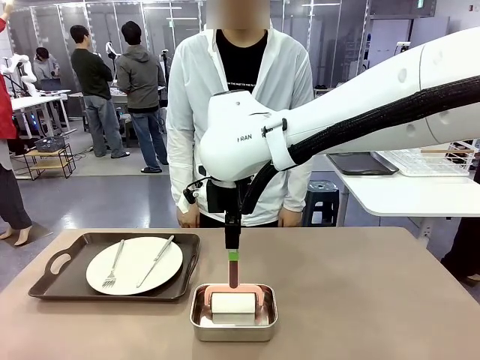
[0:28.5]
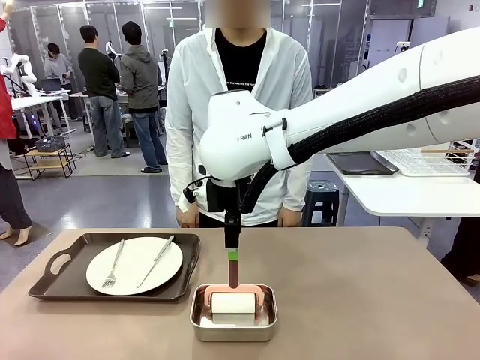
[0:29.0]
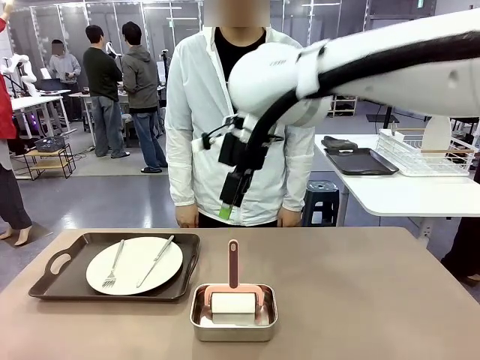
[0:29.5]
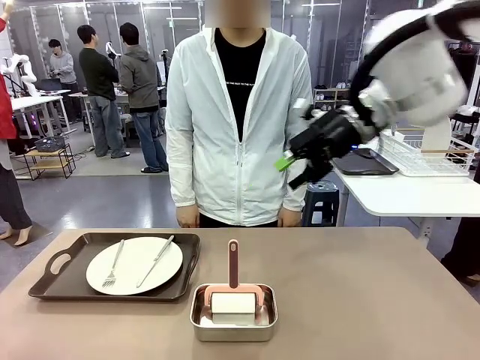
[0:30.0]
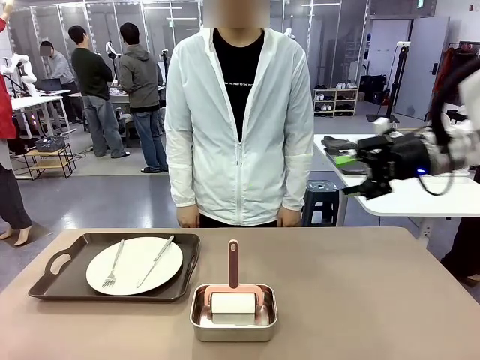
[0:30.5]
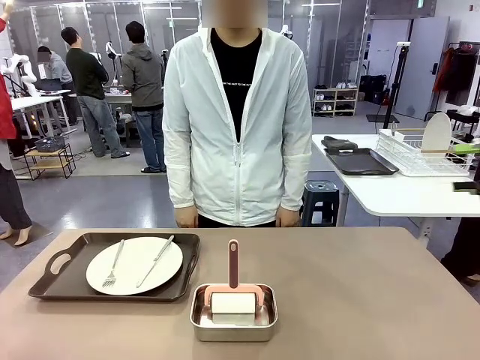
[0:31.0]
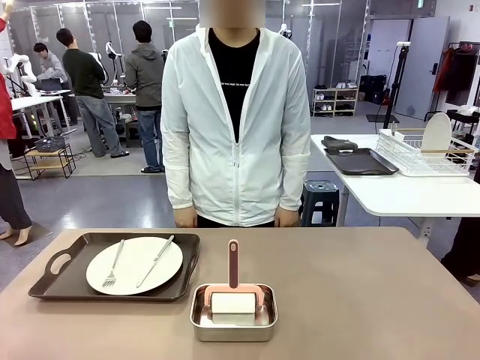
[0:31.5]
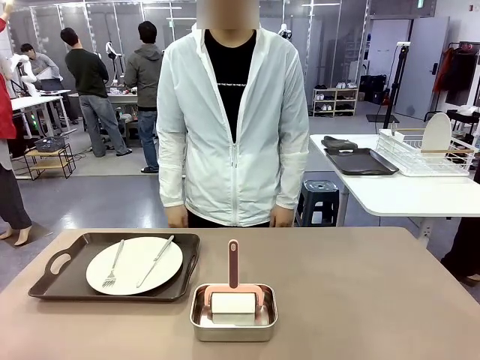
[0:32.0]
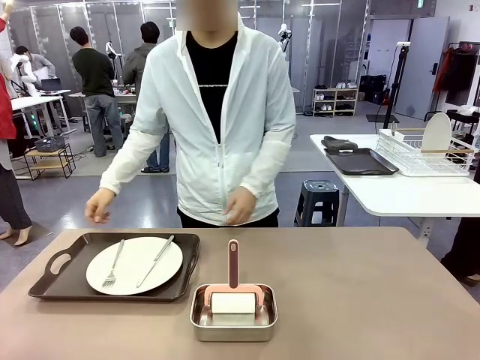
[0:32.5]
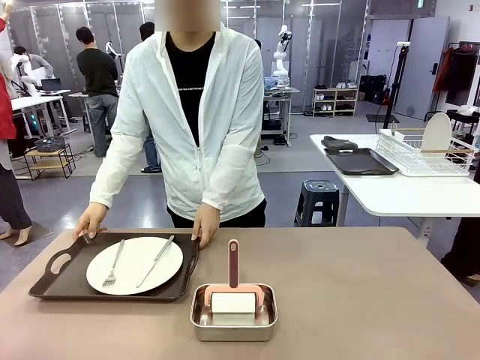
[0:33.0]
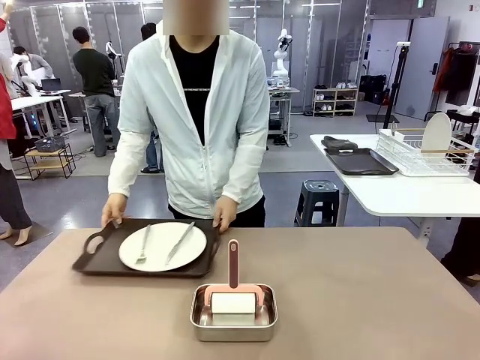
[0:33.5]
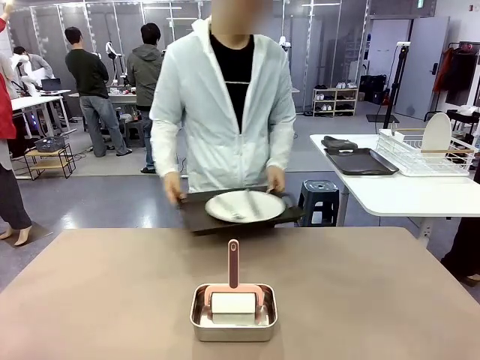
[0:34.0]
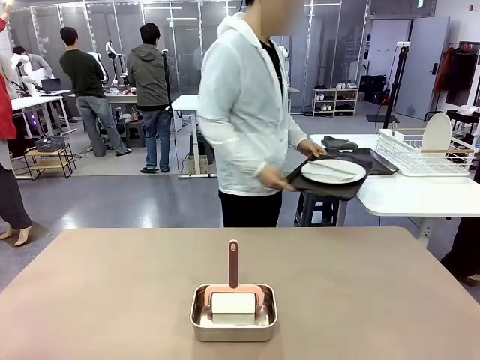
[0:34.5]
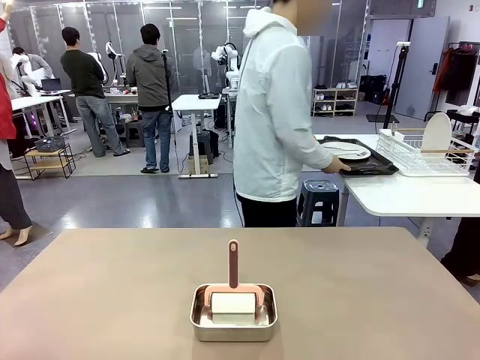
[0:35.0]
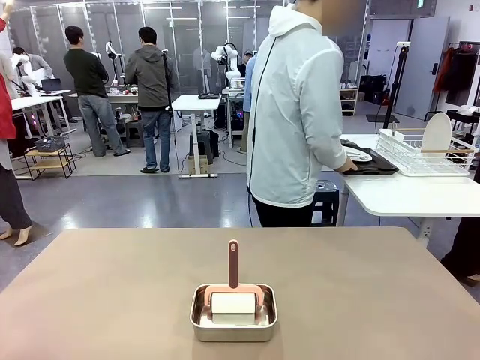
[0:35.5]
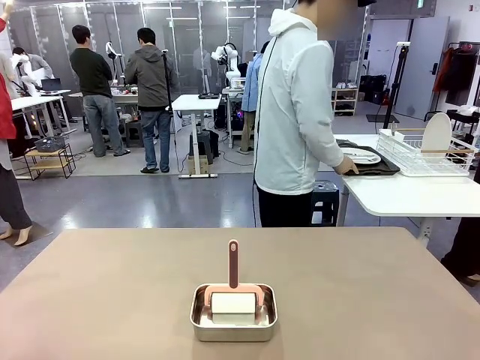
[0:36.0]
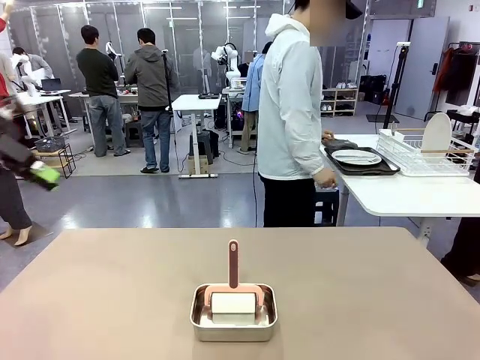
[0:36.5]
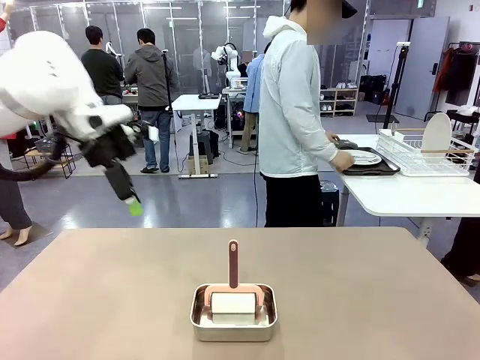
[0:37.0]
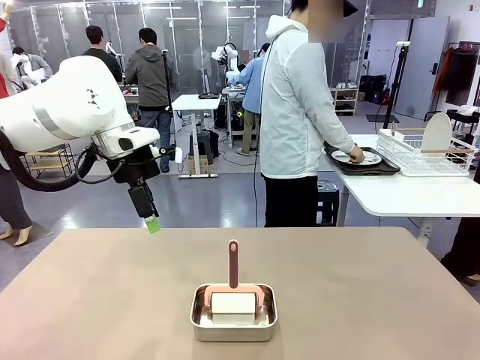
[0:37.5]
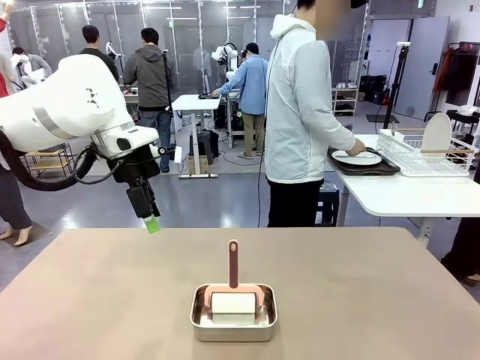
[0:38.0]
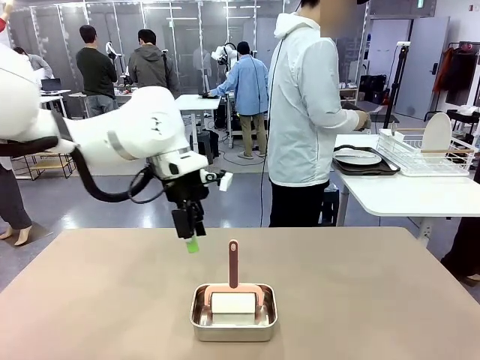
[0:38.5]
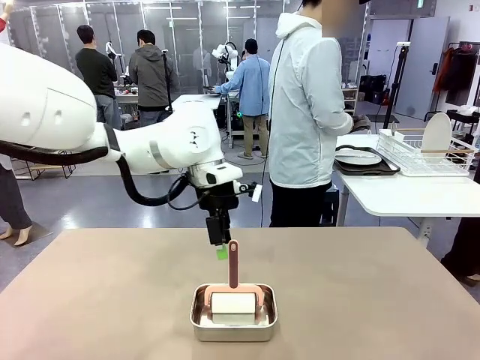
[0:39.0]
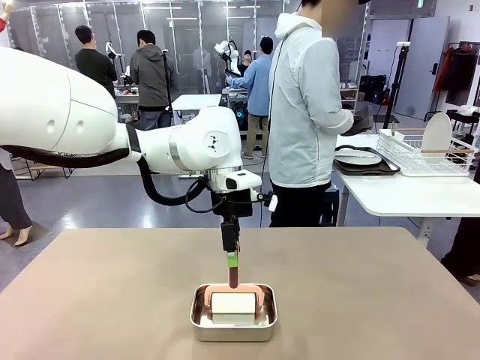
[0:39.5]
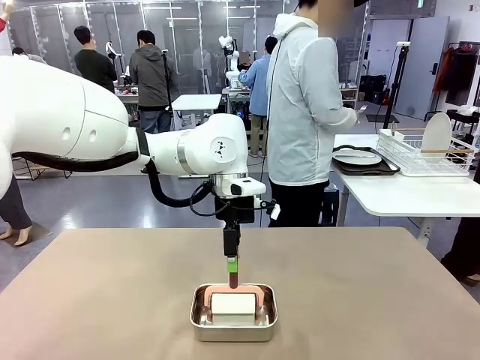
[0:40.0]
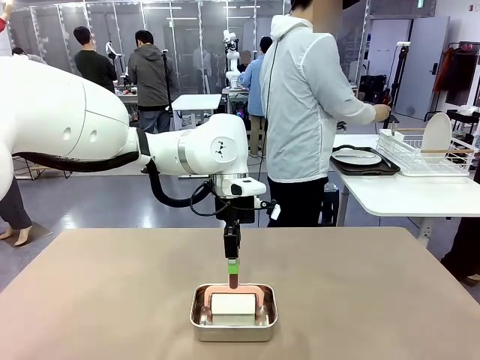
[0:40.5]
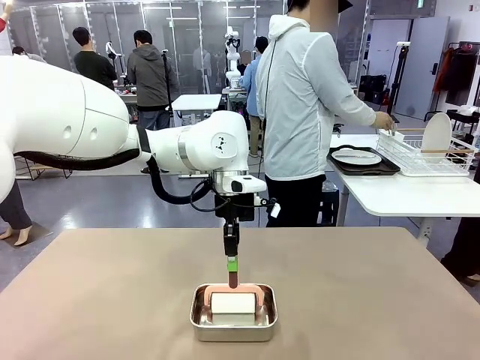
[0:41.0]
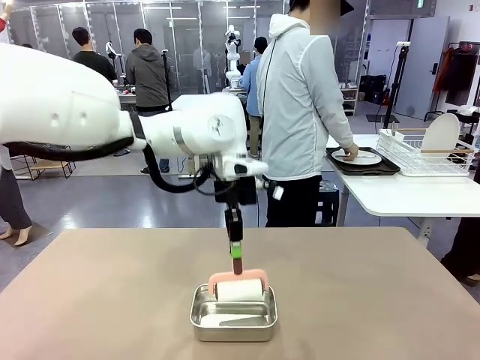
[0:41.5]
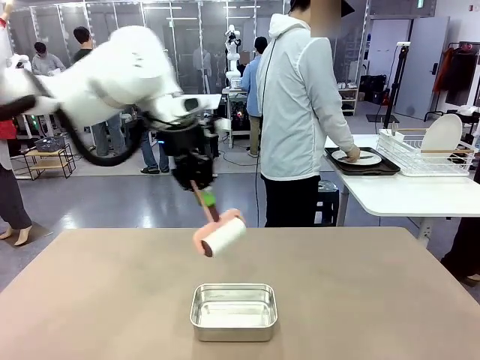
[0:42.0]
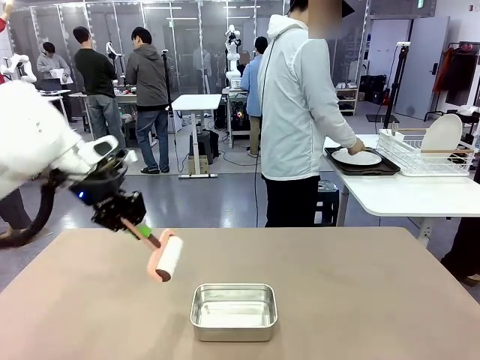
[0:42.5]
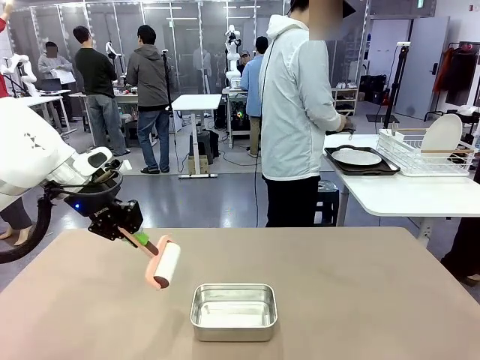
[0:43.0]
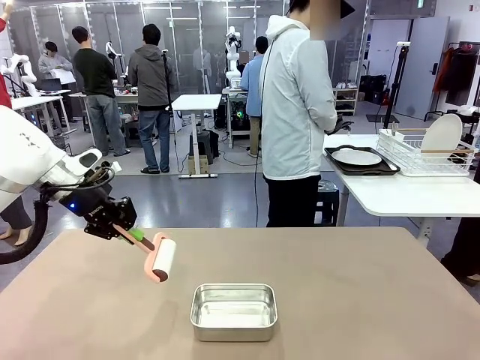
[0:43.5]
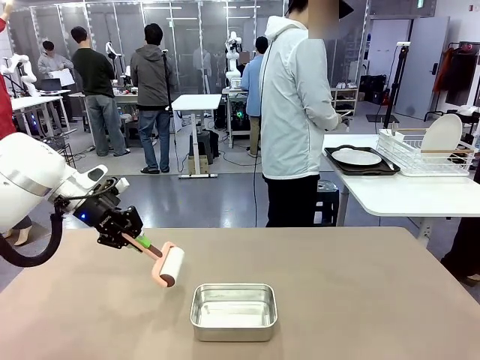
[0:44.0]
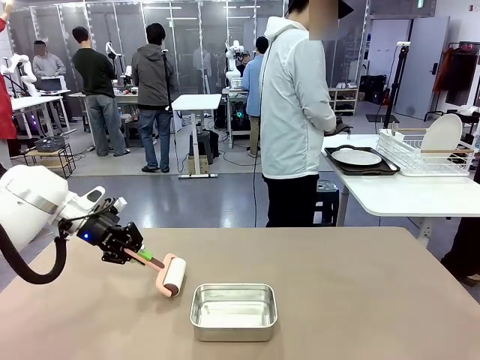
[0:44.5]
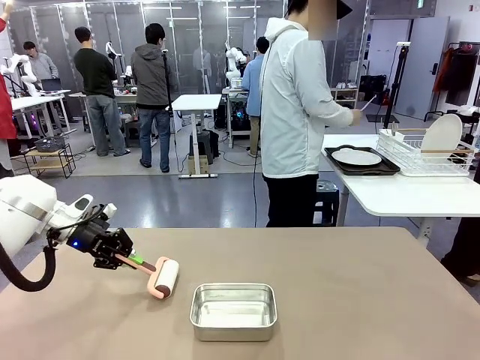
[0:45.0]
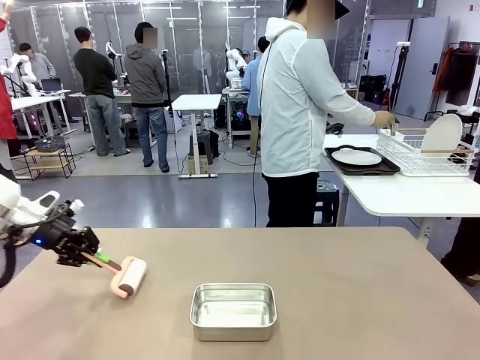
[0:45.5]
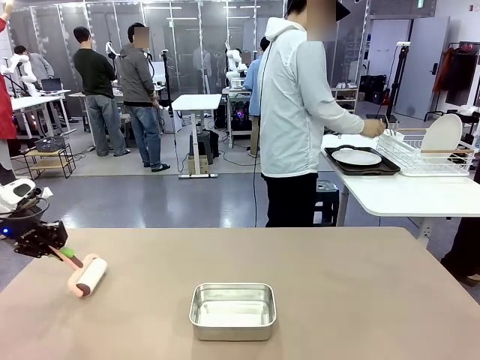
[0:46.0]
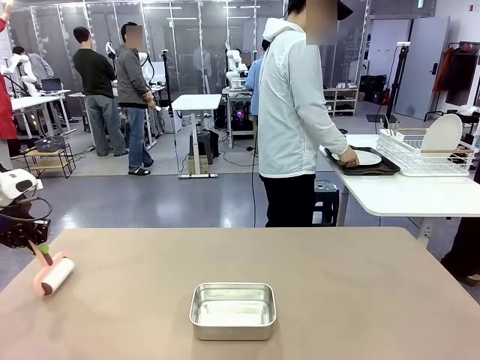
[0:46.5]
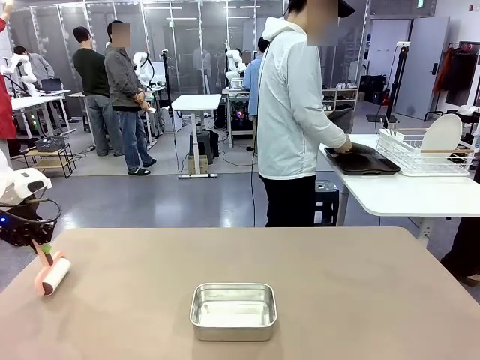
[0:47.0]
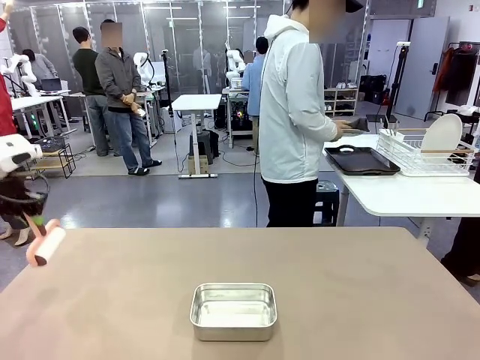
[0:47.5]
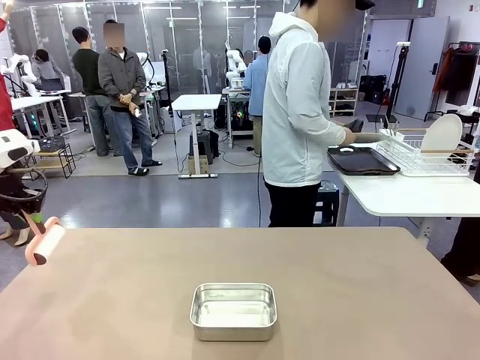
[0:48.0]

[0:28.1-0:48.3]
Robot: When the right (or left) Handle tray is removed, use the right hand (or left hand) to clean the right (or left) side of the table with the Lint Roller.
Person: Pick up the left (or right) Handle tray and place it on the Handle tray. Use the Towel with hook to wipe the Plastic Matte Plate , Fork , and Knife and place into the Dish drying rack.
